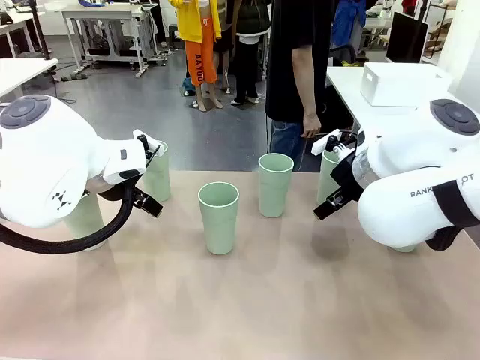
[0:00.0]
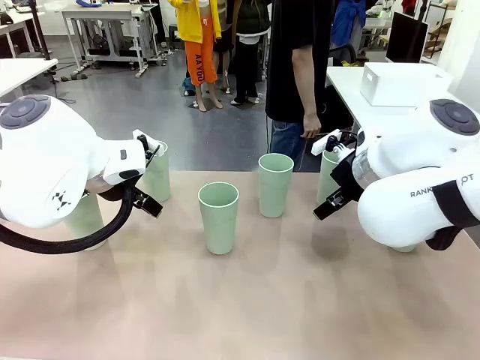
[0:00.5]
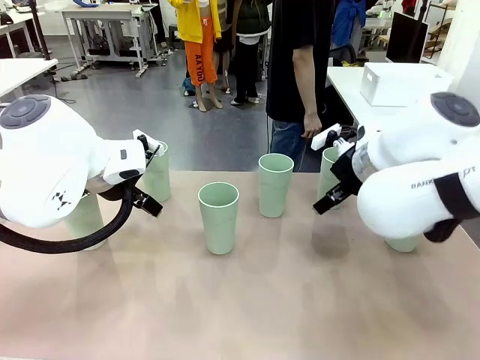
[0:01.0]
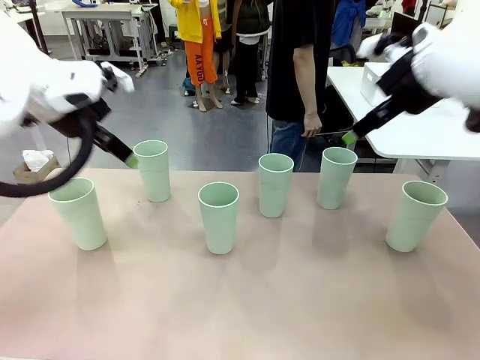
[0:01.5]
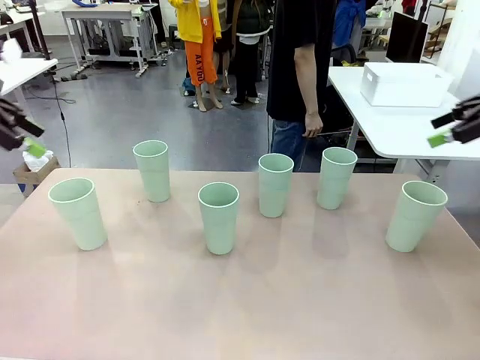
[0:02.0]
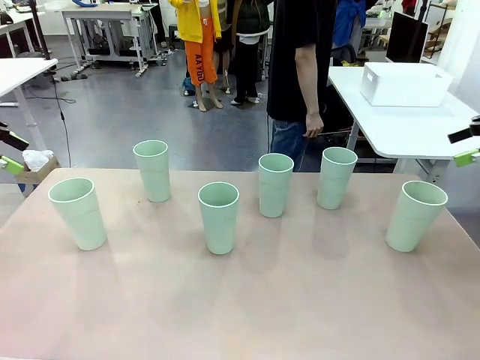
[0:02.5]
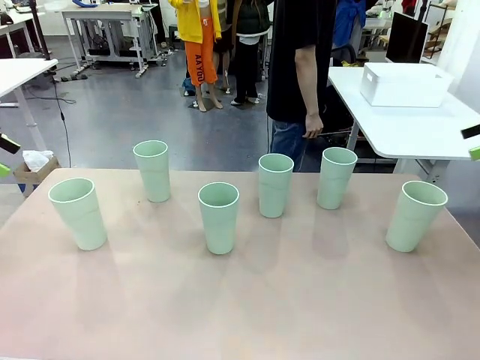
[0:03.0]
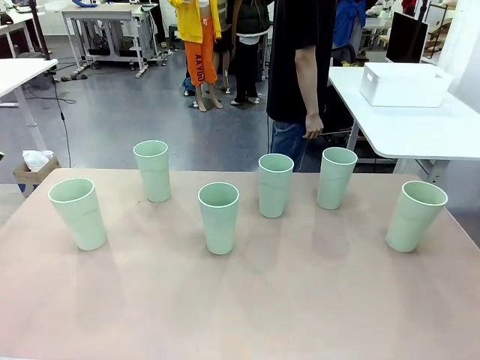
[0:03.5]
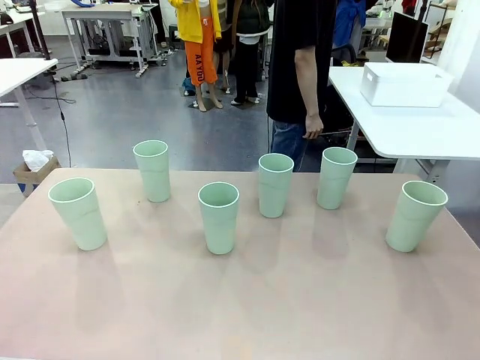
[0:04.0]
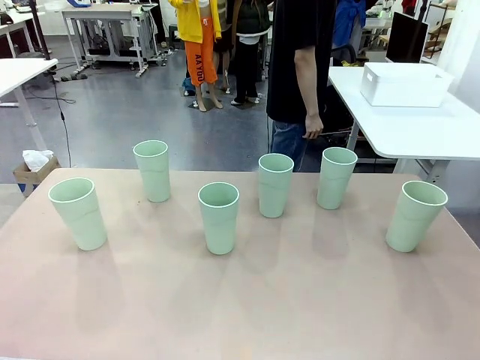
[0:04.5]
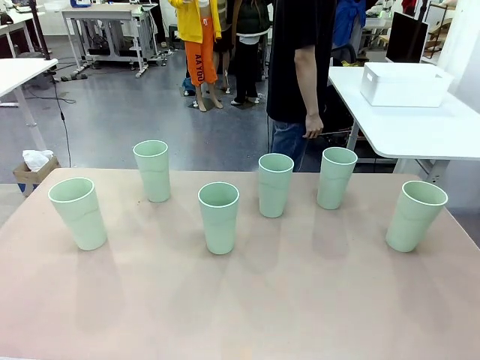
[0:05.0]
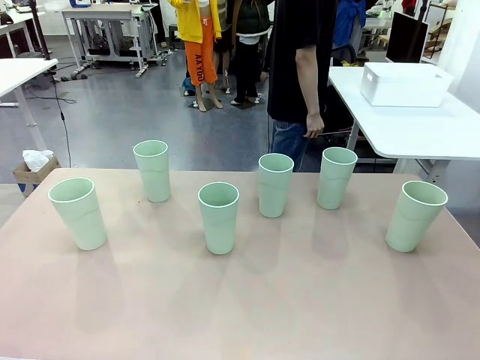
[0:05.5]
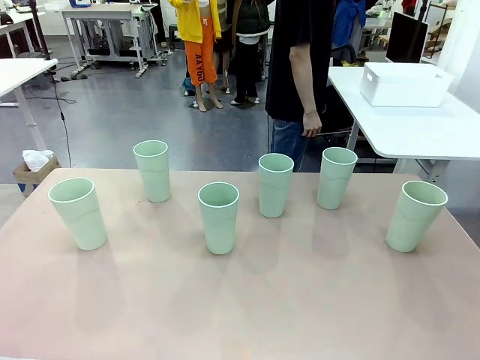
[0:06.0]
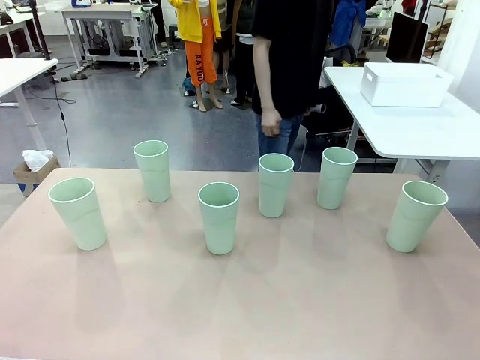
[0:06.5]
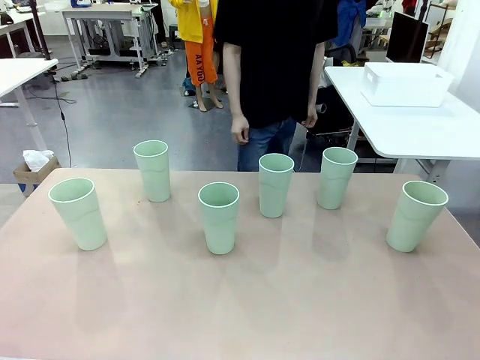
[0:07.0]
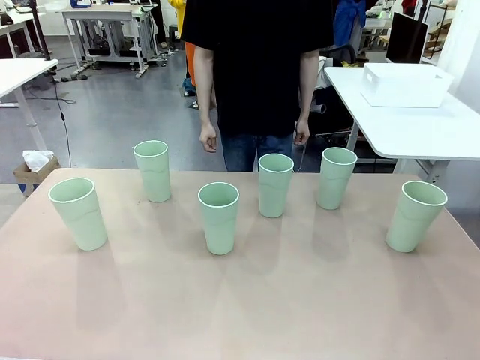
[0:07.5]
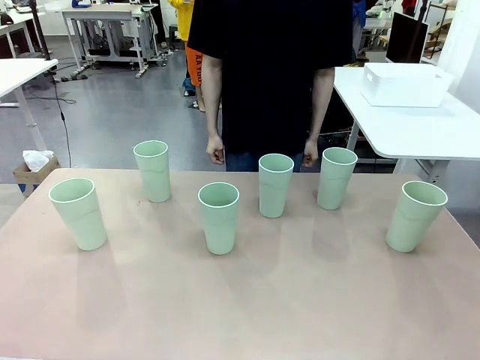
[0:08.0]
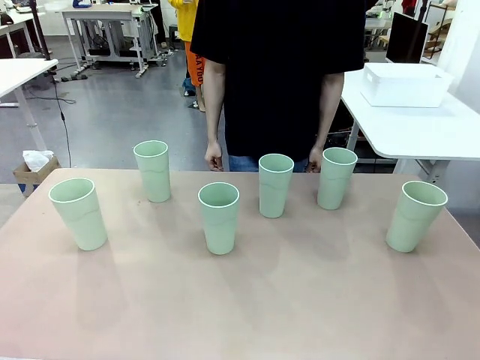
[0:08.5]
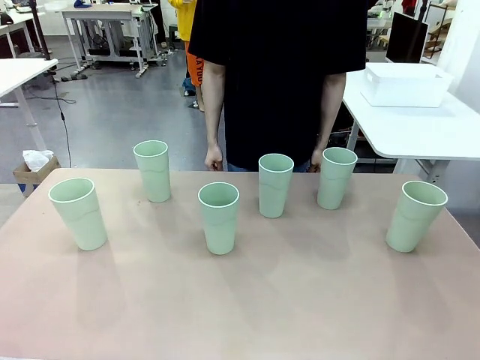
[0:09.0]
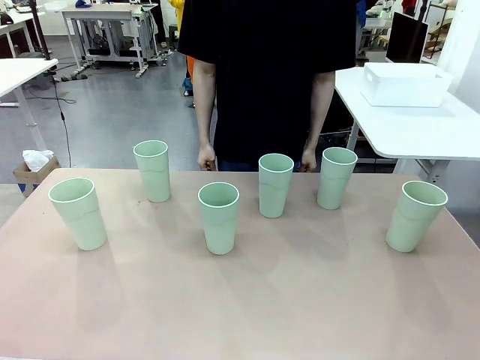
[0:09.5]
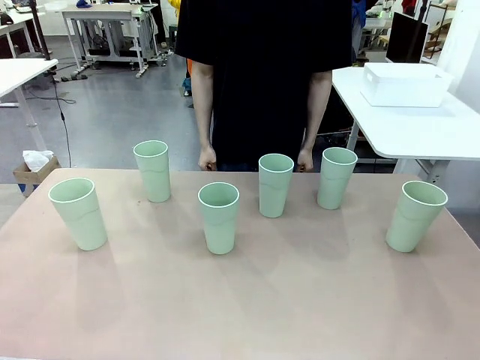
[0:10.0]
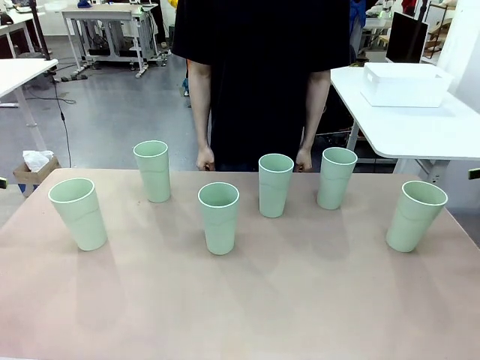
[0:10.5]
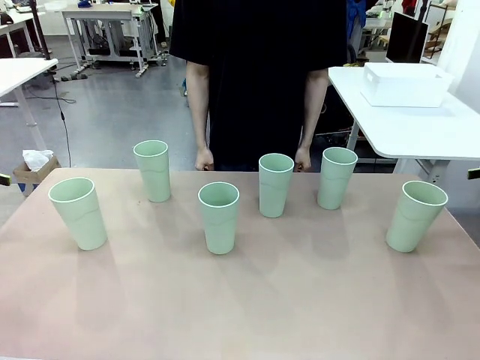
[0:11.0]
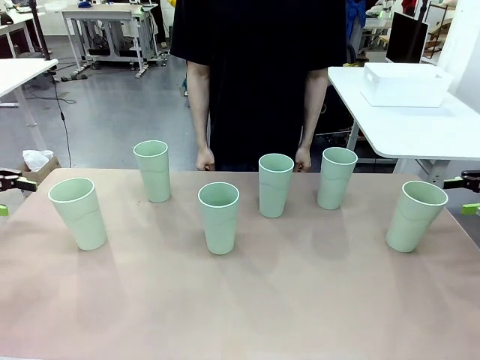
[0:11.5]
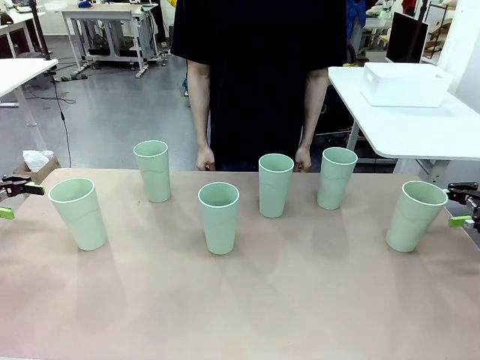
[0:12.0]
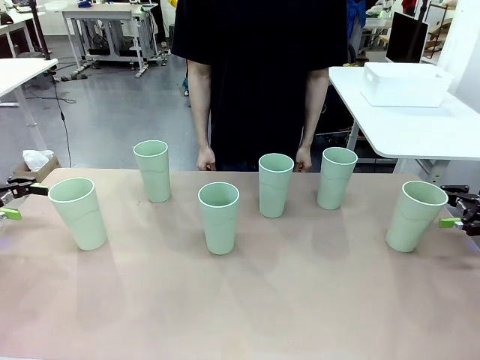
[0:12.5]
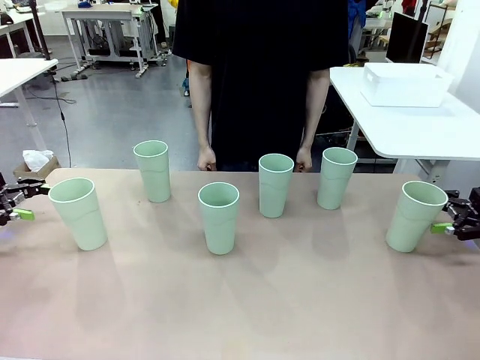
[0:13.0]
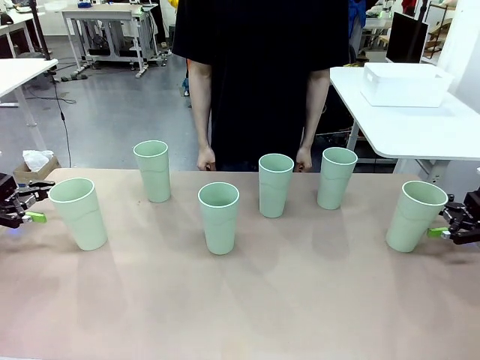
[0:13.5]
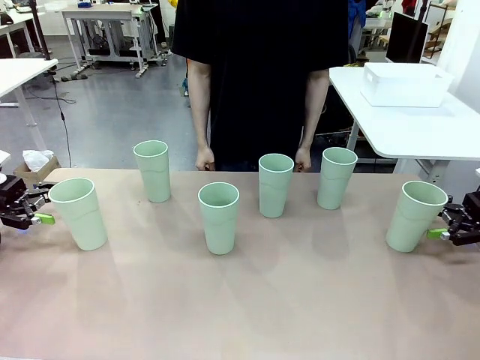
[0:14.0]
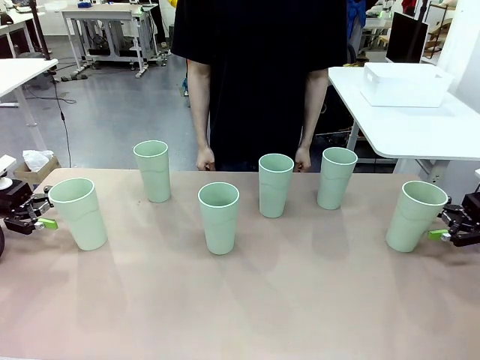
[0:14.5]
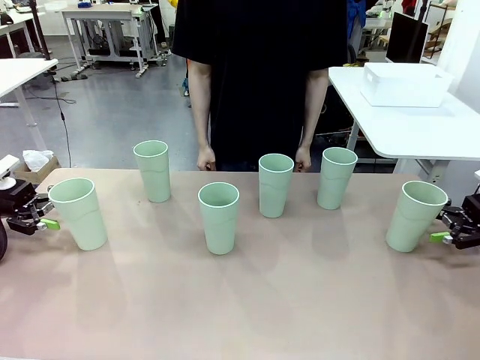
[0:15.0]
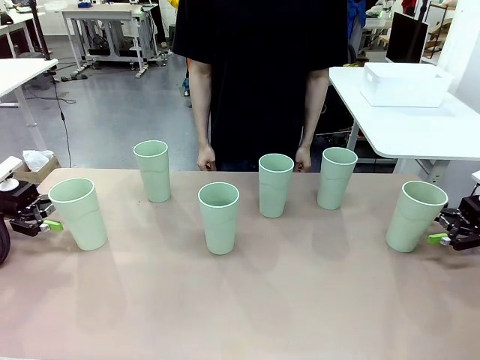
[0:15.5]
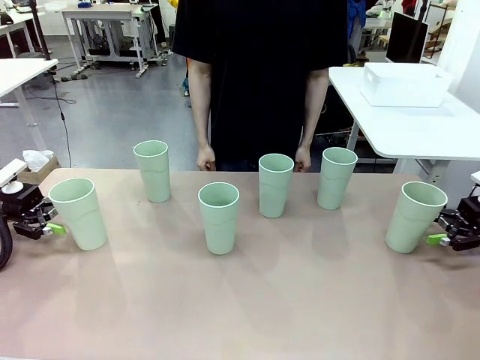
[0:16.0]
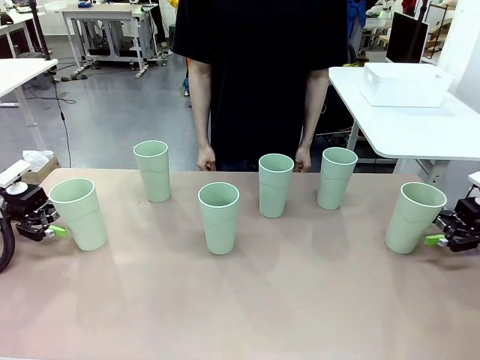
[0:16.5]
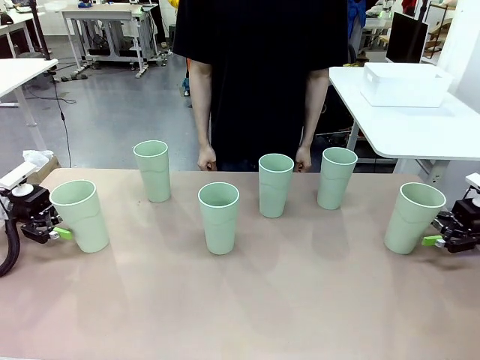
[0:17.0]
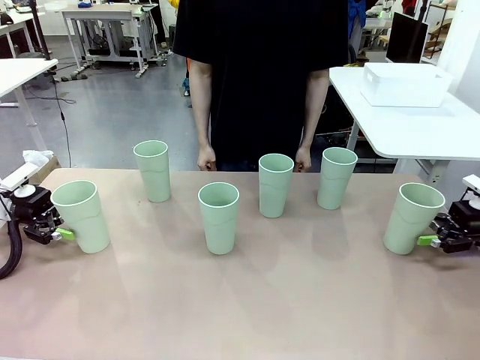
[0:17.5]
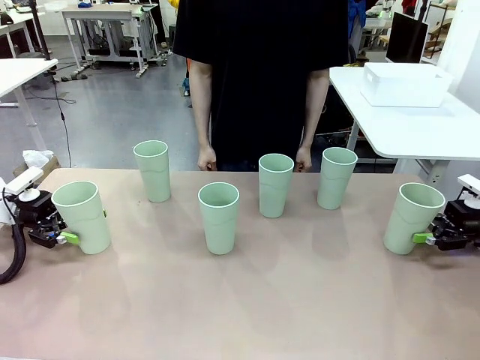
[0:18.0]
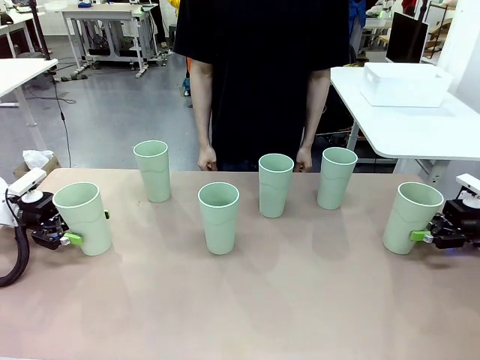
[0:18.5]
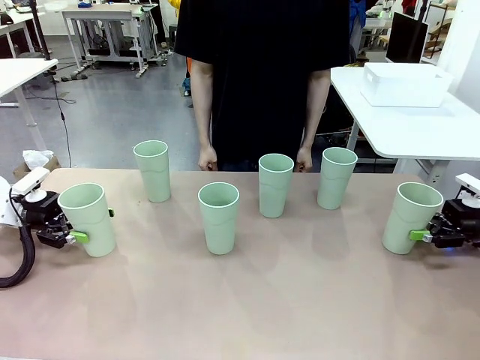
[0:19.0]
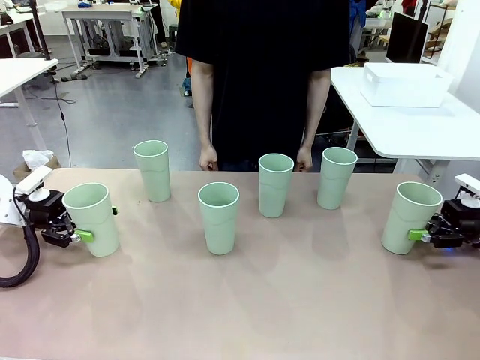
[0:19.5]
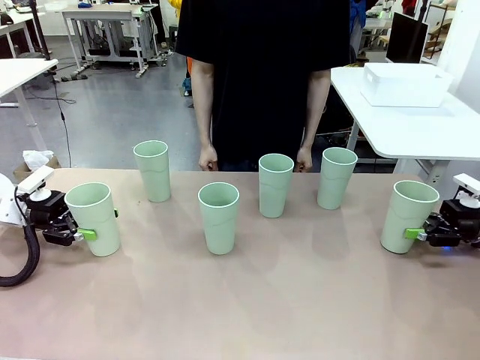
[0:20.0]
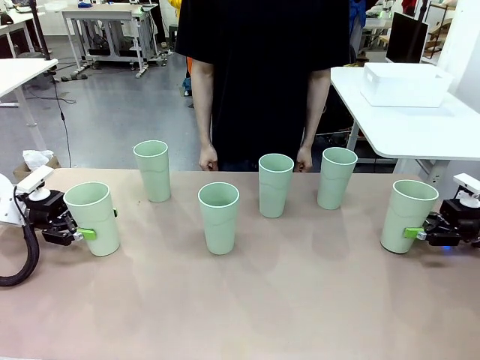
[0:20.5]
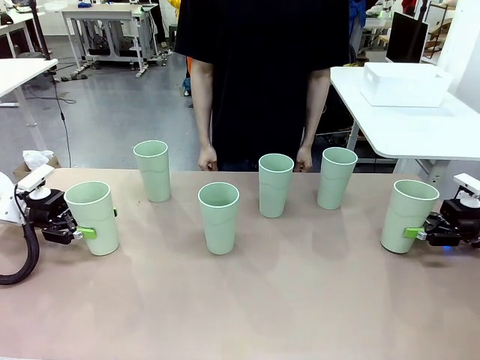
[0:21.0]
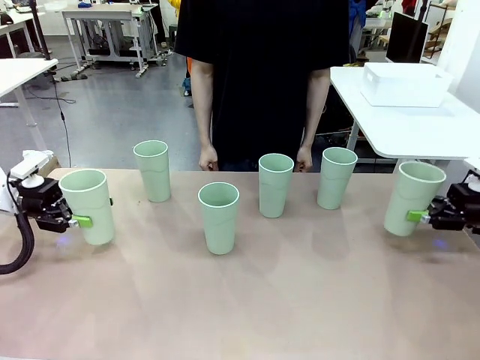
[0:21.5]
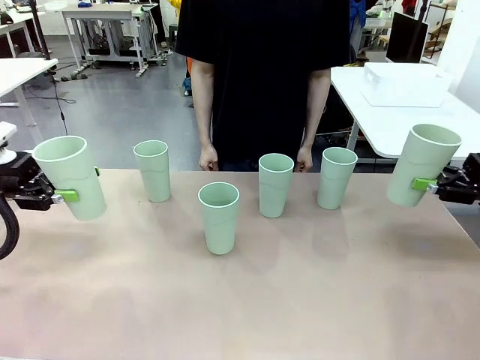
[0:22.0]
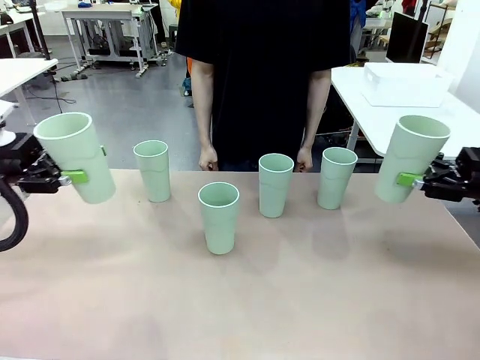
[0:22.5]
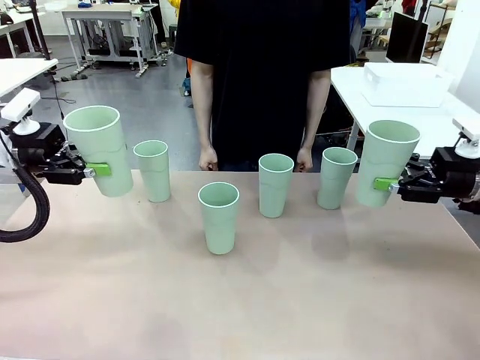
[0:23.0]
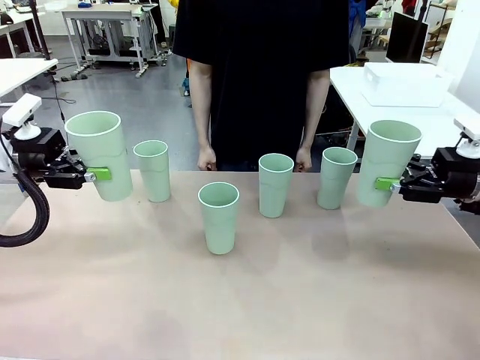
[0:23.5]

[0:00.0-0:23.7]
Task: Stack the cups and store them in the basket.
Robot: Pick up two Reusable plastic cups , one in each hand.
Person: Move from the Human Table to the front of the Robot Table. Stack two of the remaining cups on top of each cup held by the robot.
